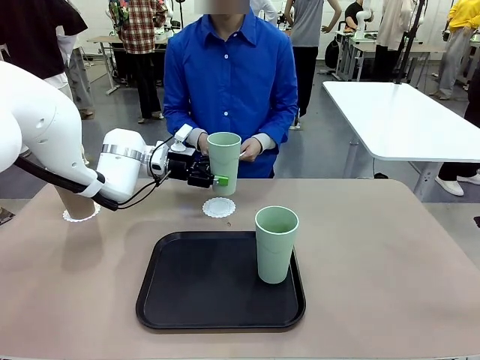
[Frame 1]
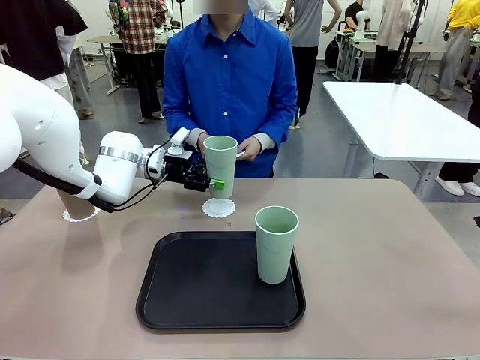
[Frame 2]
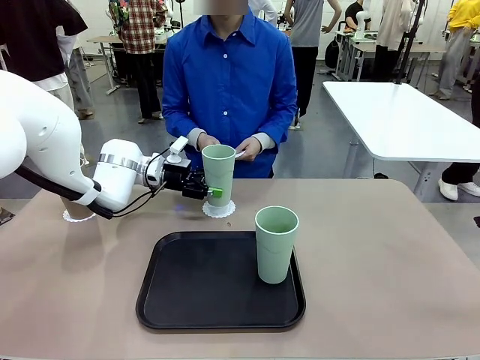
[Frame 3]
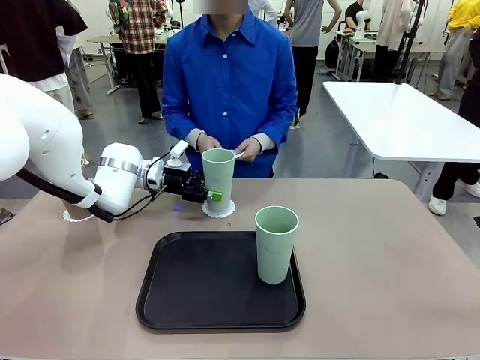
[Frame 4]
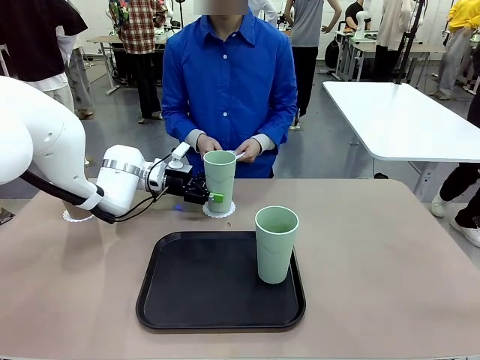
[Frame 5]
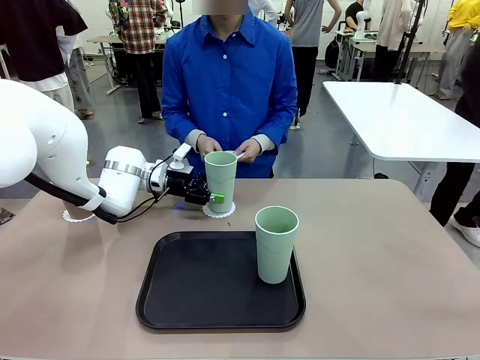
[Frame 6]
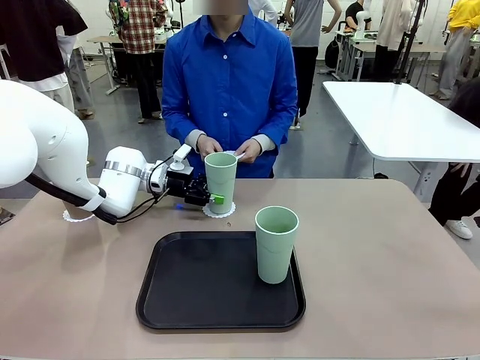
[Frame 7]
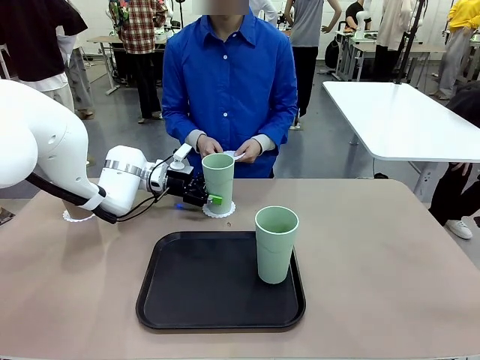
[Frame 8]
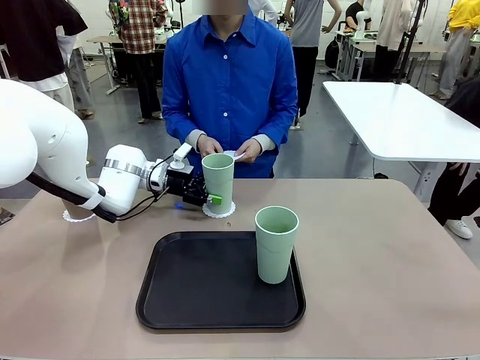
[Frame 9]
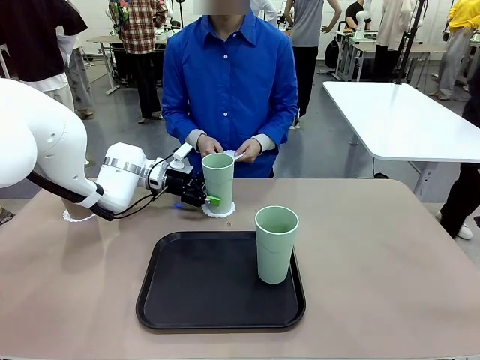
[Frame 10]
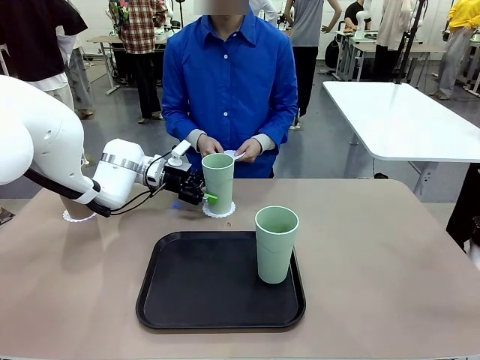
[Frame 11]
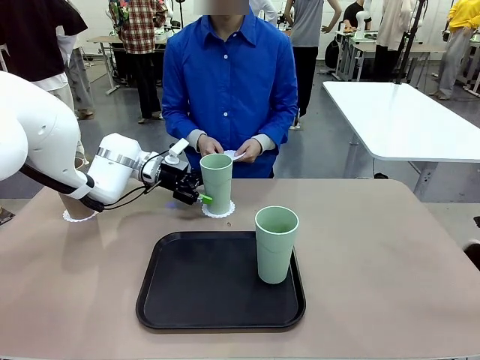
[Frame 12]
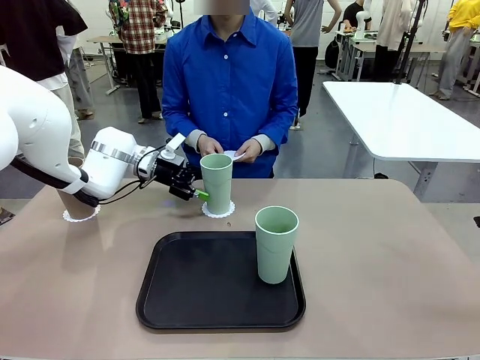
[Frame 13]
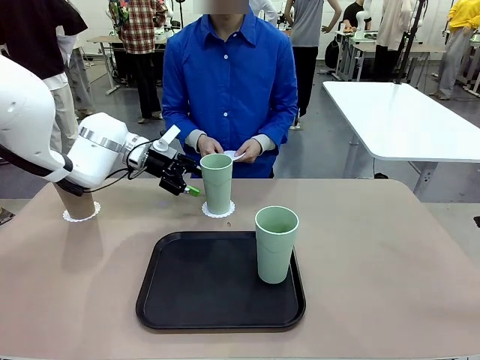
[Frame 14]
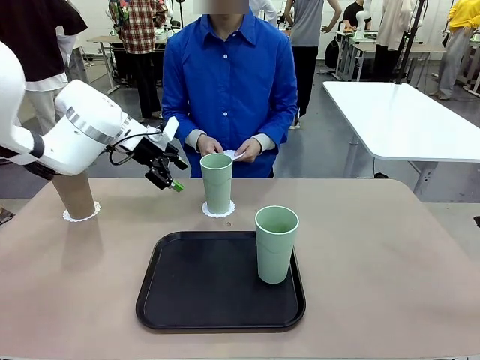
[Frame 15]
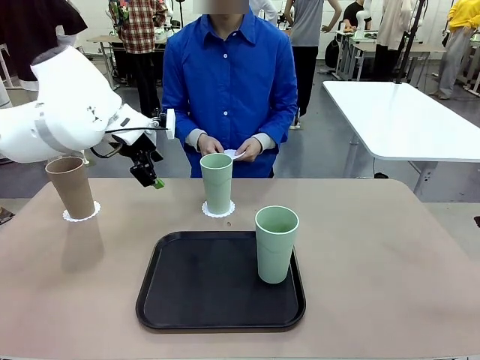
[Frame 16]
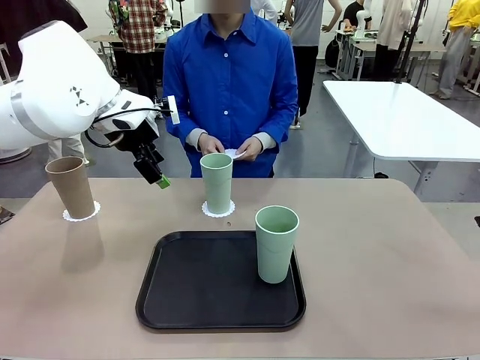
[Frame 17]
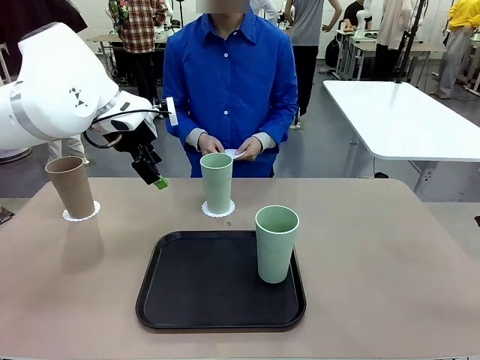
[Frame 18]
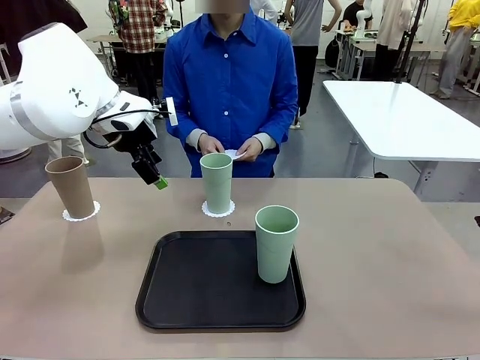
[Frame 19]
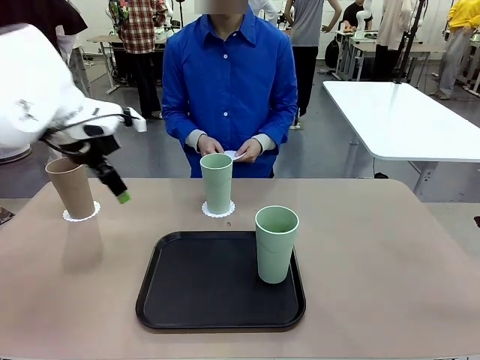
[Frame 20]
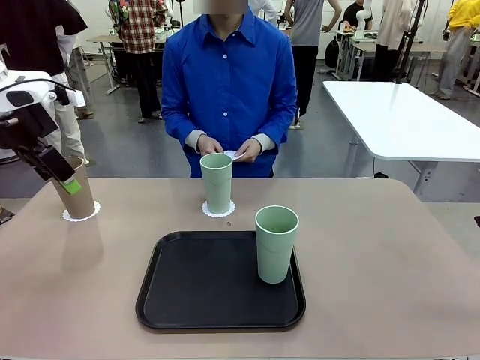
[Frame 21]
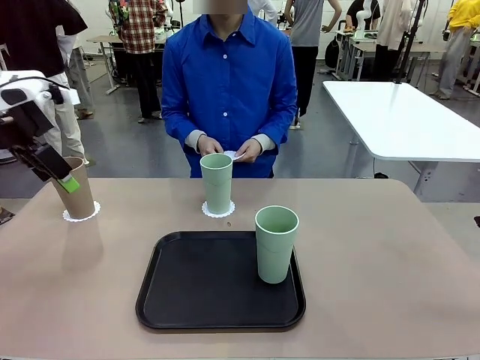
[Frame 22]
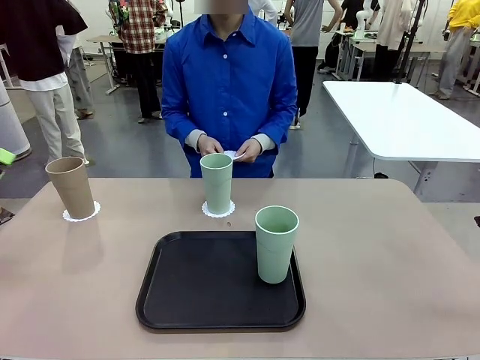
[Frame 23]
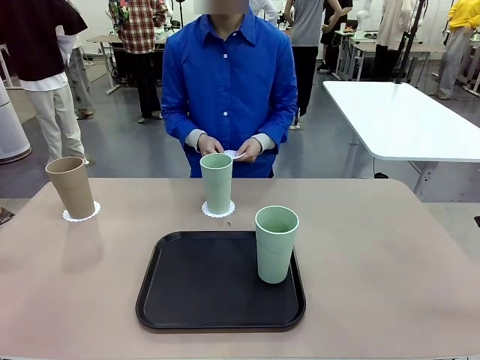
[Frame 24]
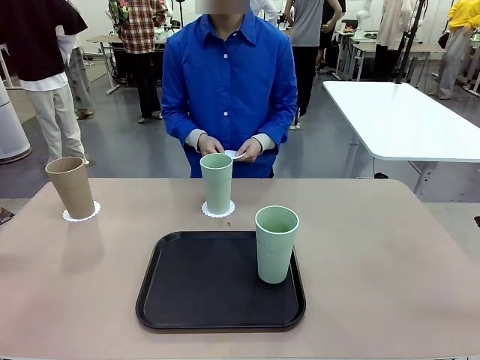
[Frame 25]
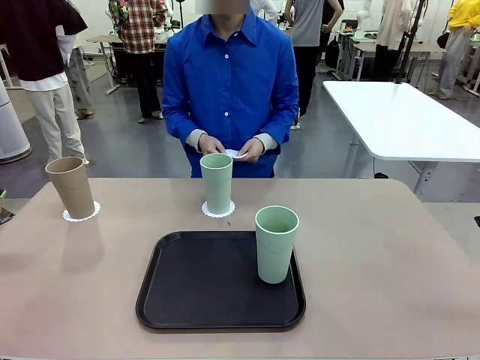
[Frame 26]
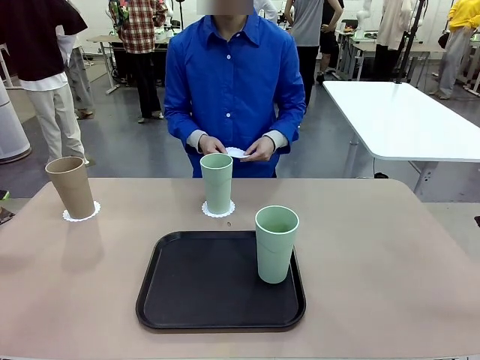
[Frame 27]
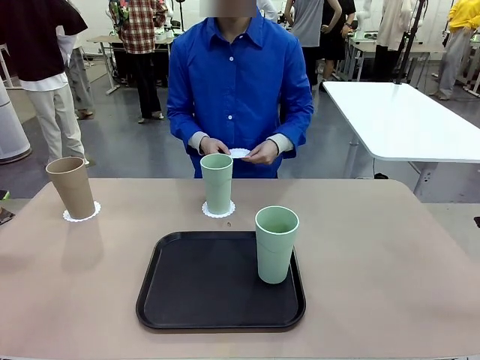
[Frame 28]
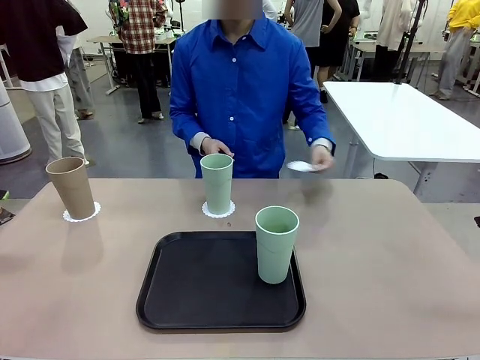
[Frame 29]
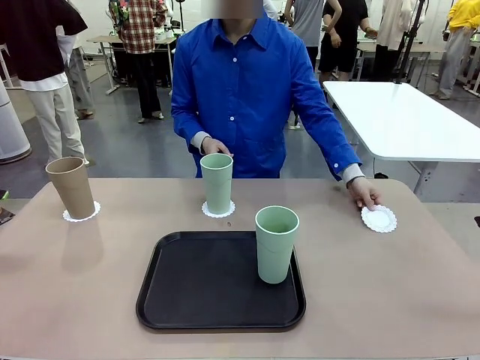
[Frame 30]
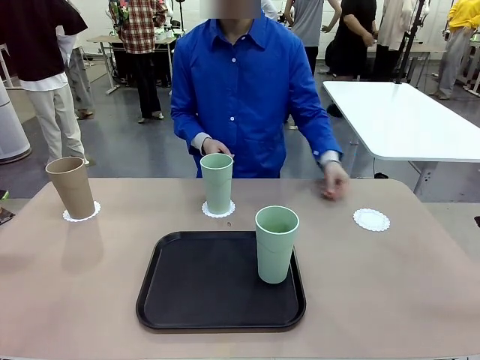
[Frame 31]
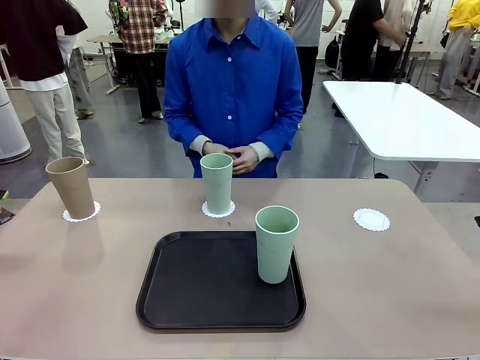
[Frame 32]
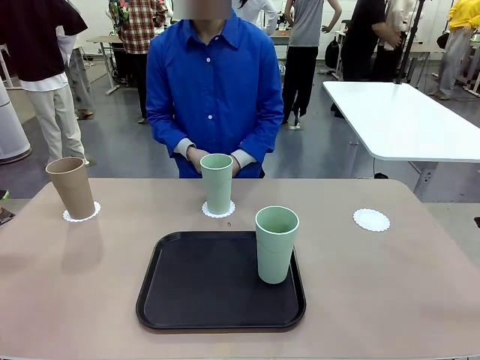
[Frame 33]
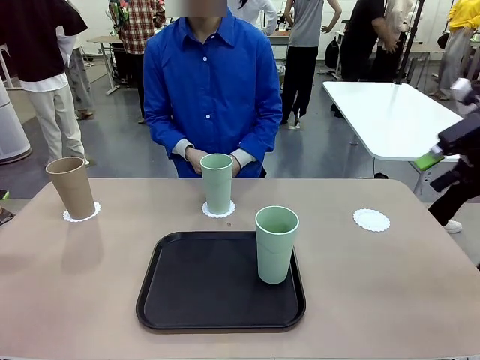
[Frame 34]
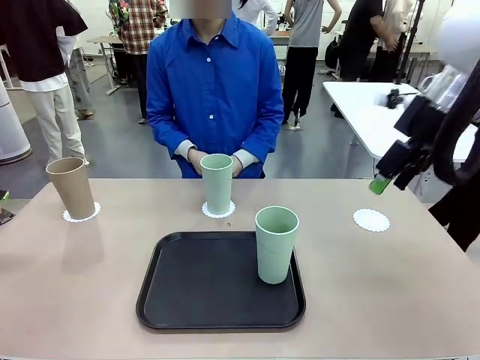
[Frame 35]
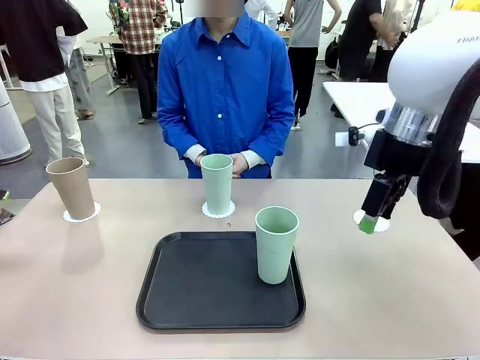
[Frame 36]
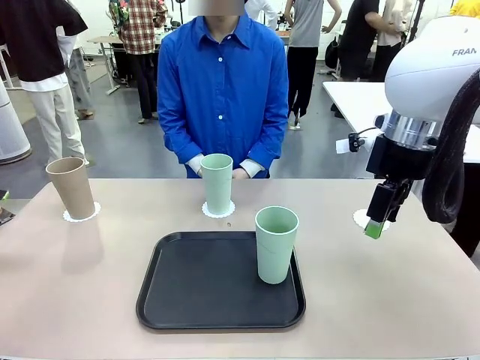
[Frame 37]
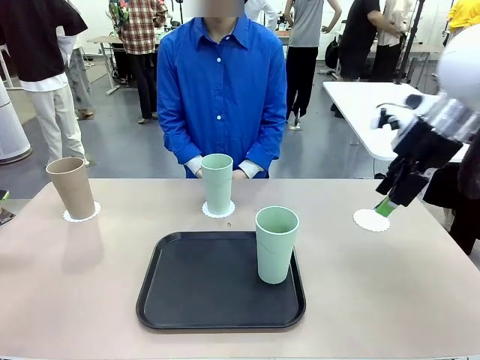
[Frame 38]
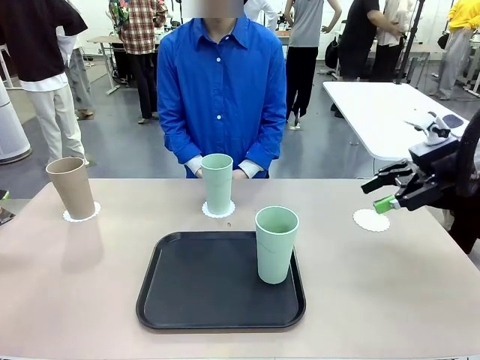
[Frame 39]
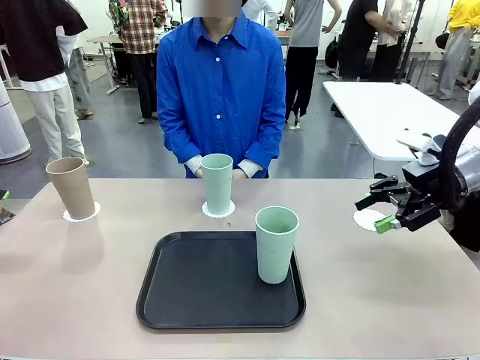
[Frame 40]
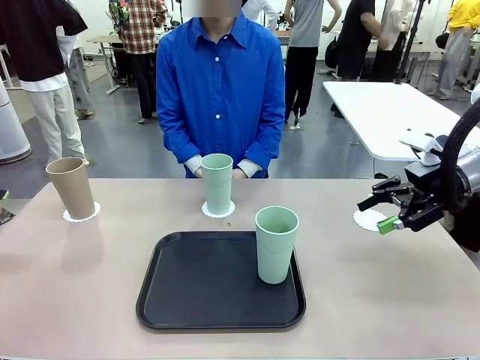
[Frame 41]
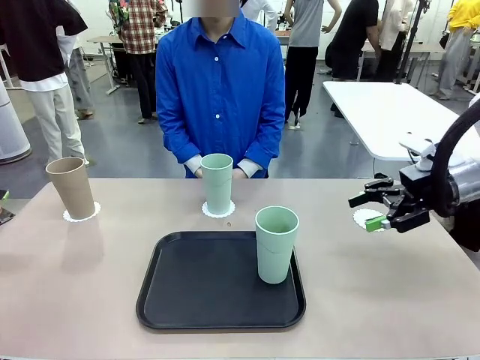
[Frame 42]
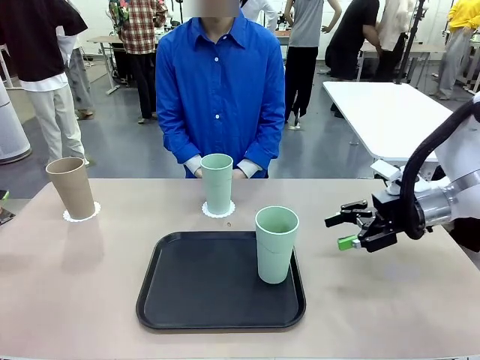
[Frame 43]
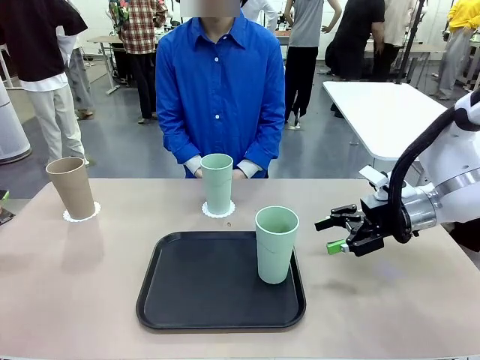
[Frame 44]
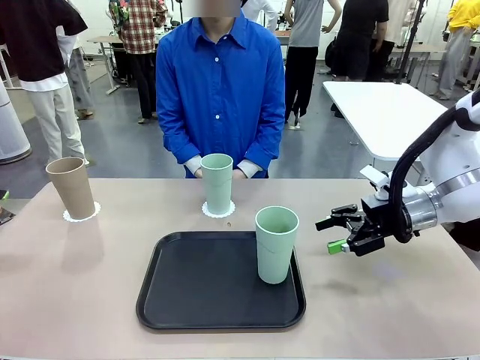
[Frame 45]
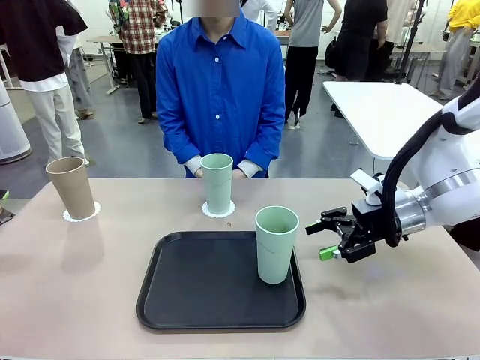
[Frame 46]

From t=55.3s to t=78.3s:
Task: Place coasters on the table and set cups on them.
Robot: Take one Reusable plastic cup from the Flat Tray and place it on a coaster set by the human.
